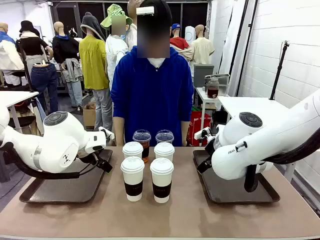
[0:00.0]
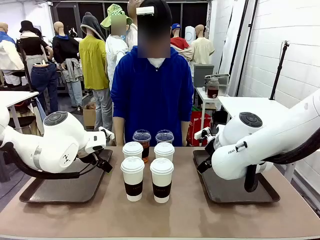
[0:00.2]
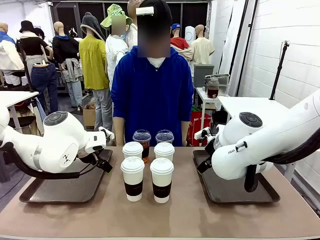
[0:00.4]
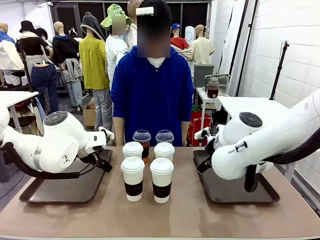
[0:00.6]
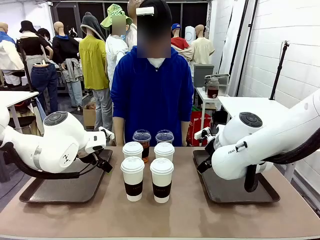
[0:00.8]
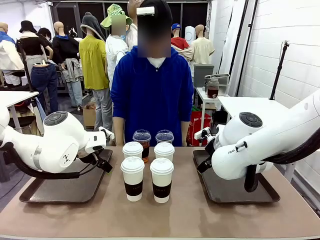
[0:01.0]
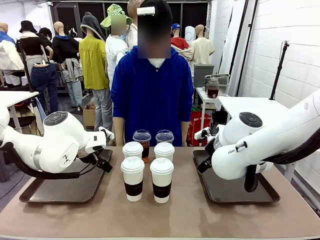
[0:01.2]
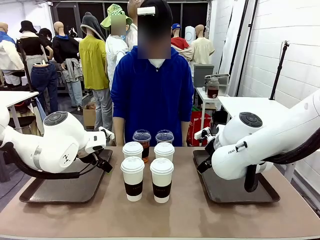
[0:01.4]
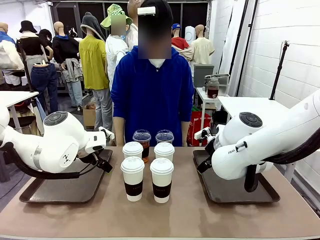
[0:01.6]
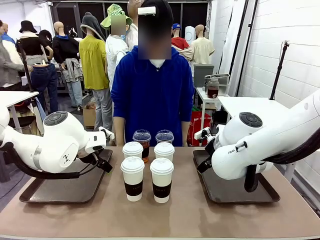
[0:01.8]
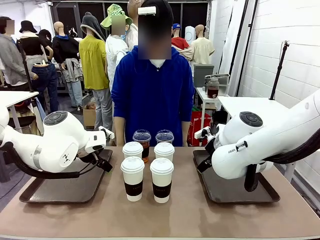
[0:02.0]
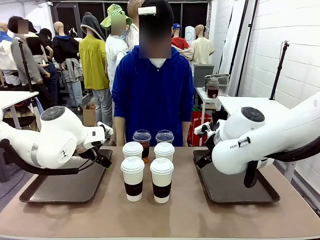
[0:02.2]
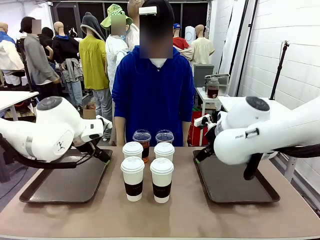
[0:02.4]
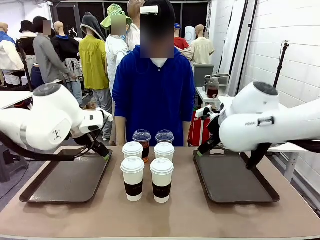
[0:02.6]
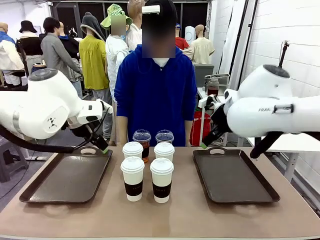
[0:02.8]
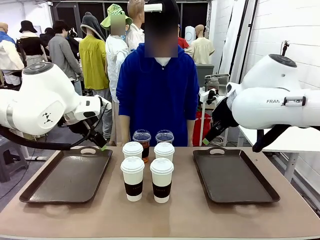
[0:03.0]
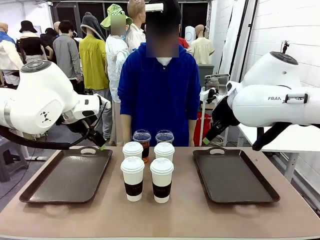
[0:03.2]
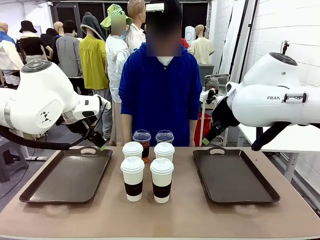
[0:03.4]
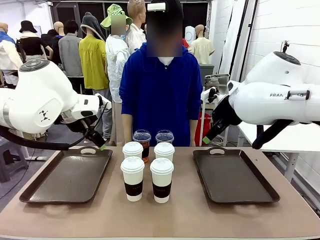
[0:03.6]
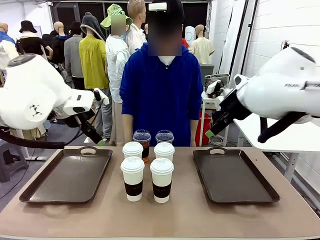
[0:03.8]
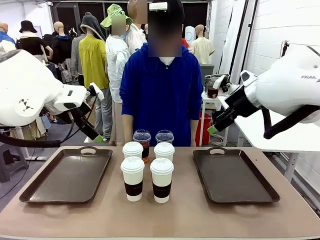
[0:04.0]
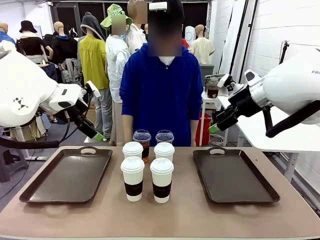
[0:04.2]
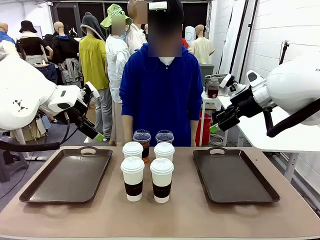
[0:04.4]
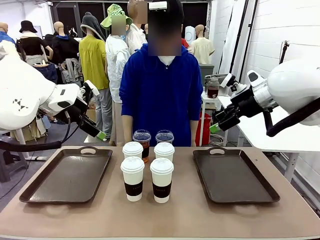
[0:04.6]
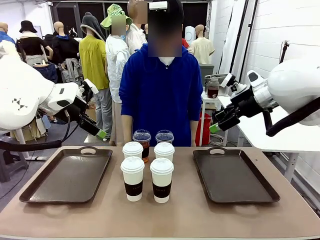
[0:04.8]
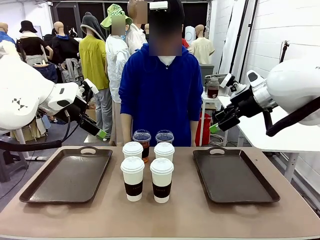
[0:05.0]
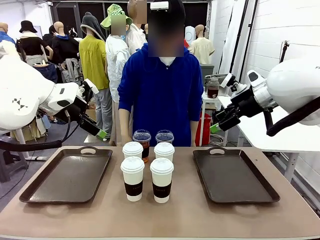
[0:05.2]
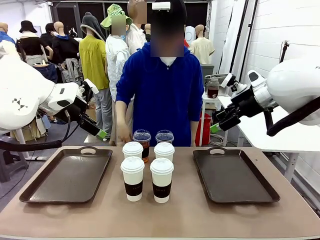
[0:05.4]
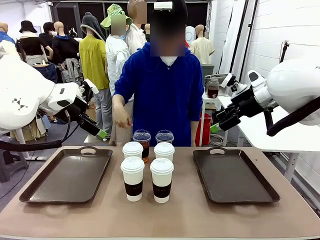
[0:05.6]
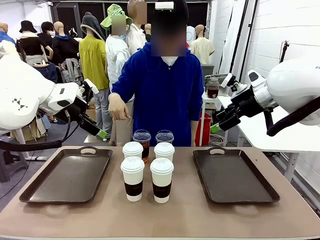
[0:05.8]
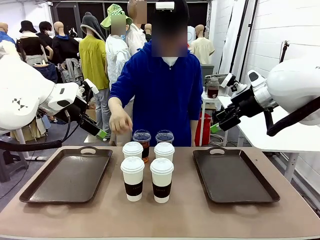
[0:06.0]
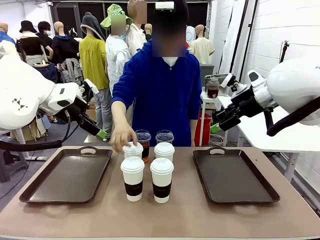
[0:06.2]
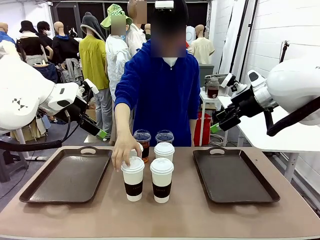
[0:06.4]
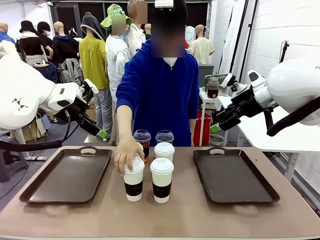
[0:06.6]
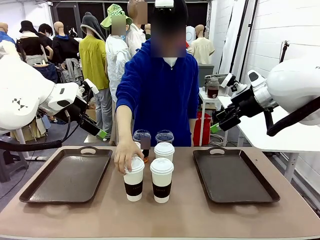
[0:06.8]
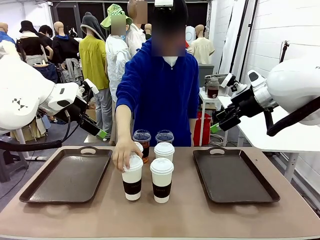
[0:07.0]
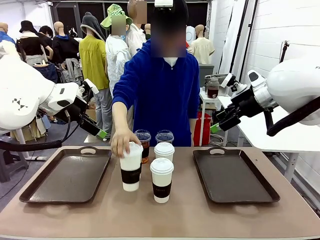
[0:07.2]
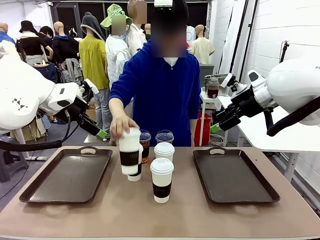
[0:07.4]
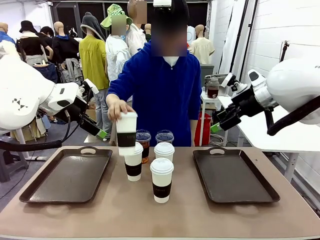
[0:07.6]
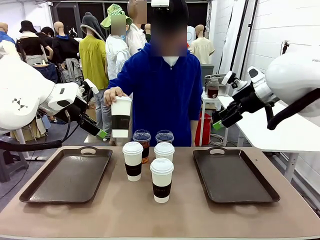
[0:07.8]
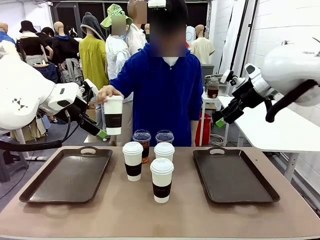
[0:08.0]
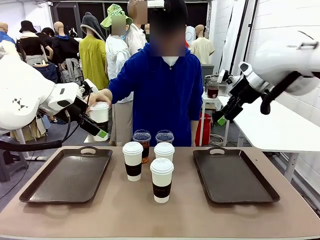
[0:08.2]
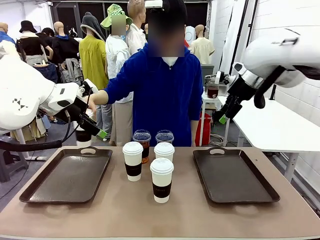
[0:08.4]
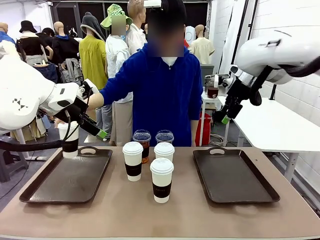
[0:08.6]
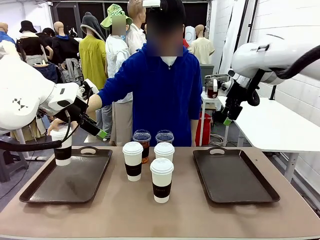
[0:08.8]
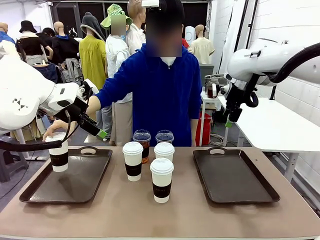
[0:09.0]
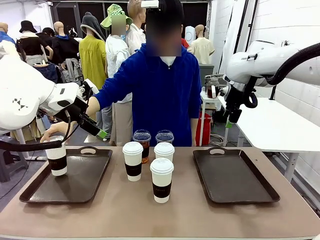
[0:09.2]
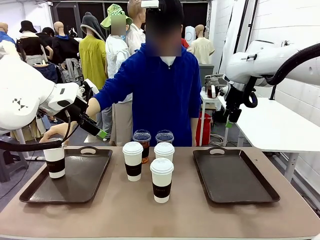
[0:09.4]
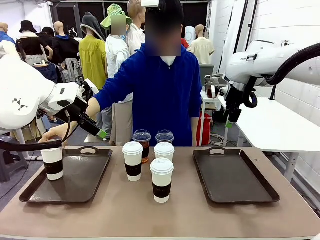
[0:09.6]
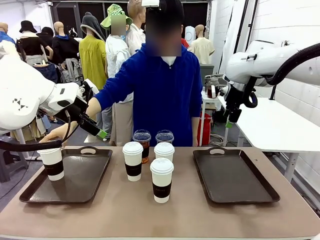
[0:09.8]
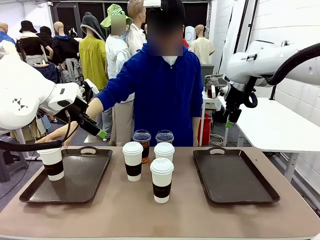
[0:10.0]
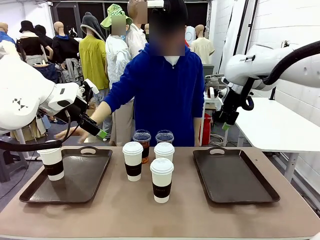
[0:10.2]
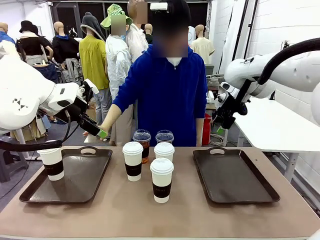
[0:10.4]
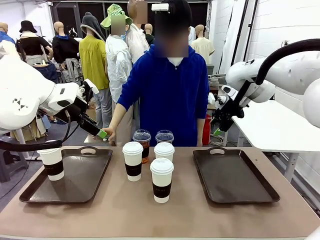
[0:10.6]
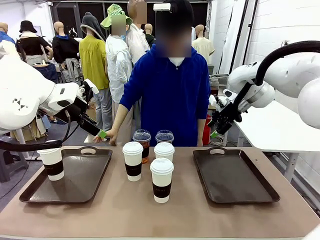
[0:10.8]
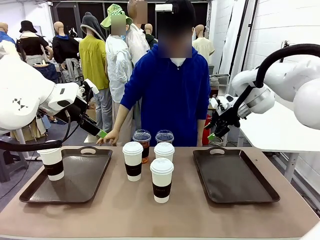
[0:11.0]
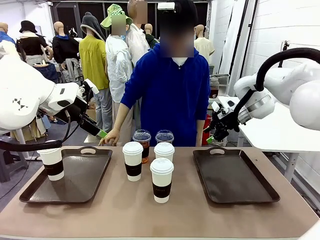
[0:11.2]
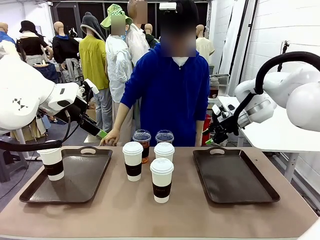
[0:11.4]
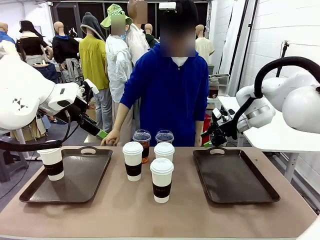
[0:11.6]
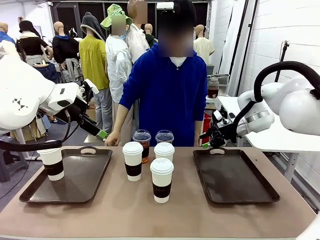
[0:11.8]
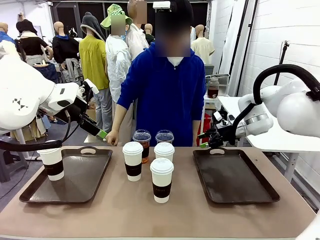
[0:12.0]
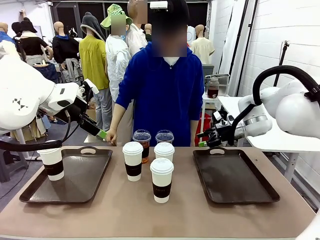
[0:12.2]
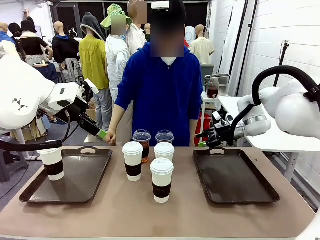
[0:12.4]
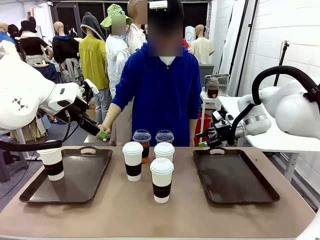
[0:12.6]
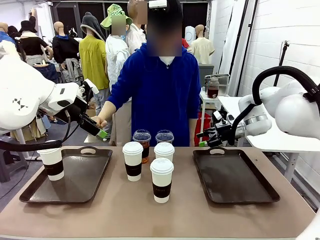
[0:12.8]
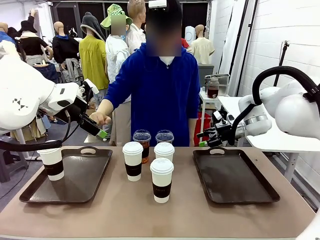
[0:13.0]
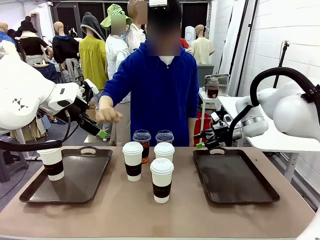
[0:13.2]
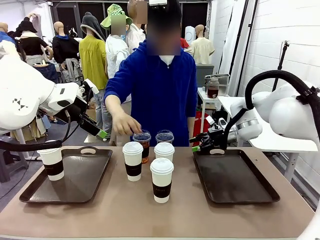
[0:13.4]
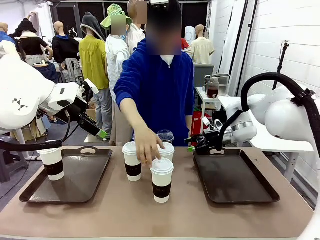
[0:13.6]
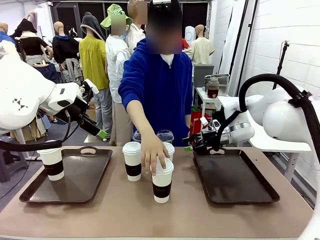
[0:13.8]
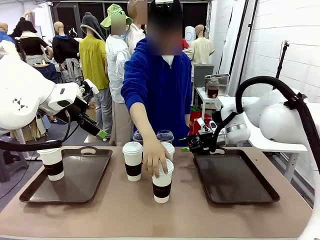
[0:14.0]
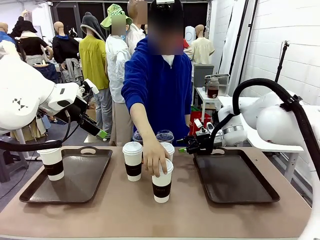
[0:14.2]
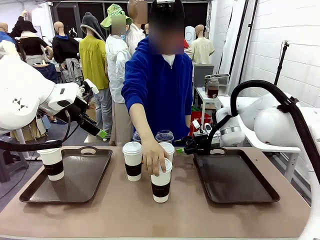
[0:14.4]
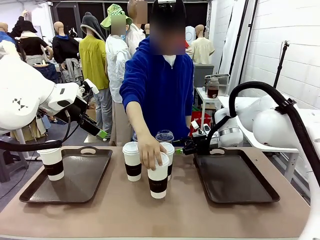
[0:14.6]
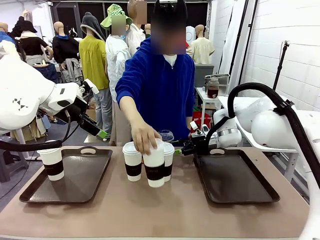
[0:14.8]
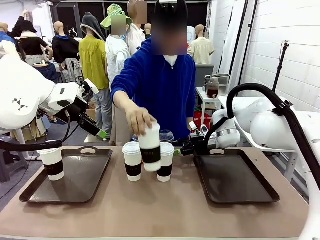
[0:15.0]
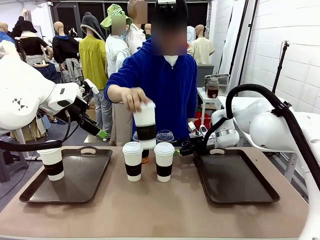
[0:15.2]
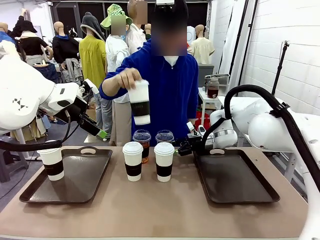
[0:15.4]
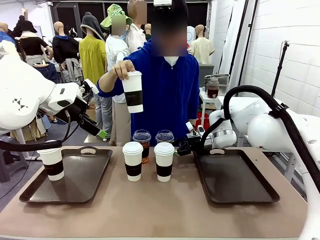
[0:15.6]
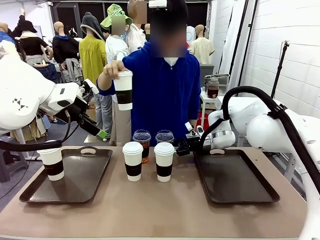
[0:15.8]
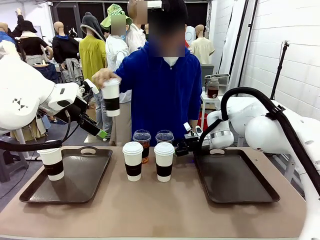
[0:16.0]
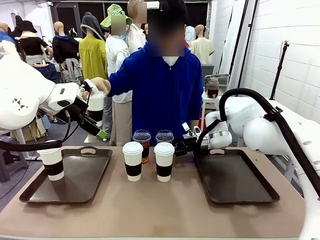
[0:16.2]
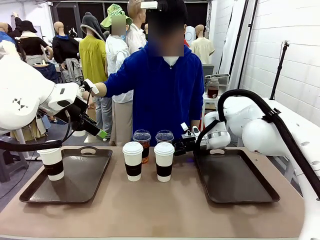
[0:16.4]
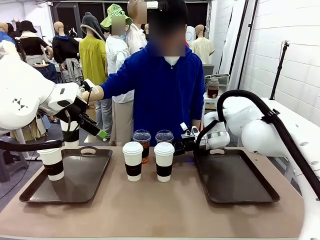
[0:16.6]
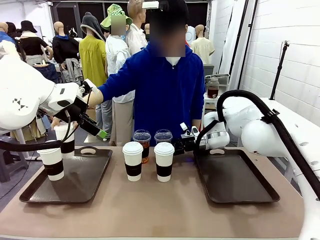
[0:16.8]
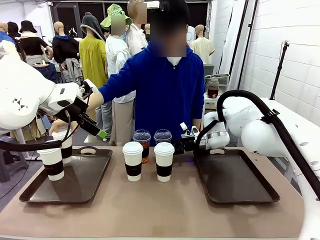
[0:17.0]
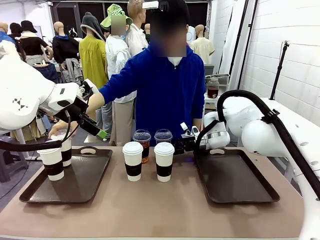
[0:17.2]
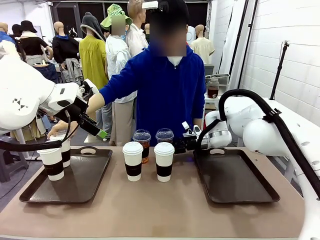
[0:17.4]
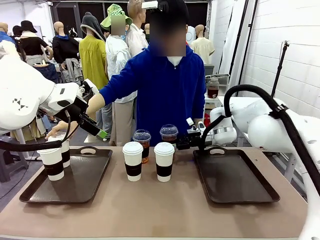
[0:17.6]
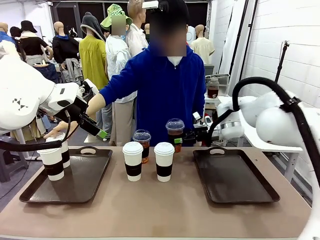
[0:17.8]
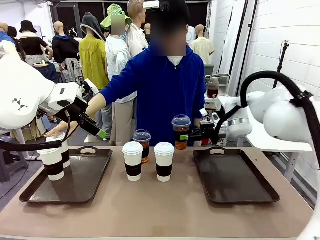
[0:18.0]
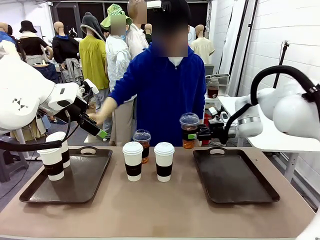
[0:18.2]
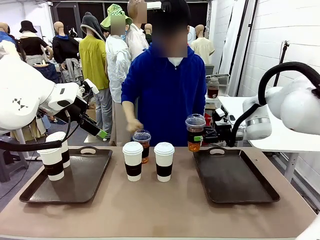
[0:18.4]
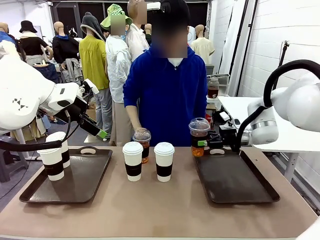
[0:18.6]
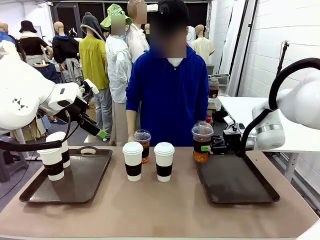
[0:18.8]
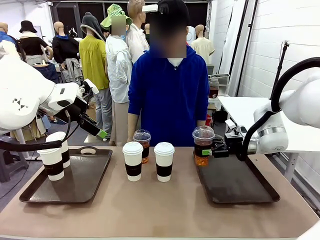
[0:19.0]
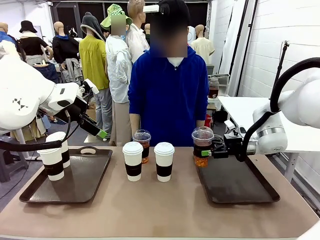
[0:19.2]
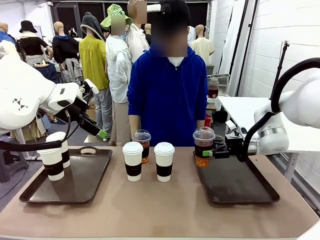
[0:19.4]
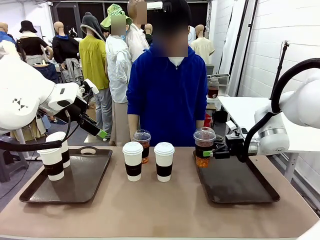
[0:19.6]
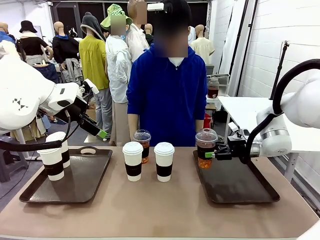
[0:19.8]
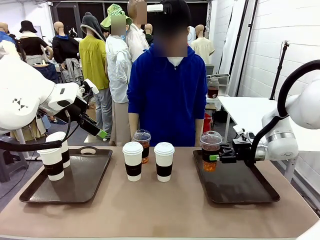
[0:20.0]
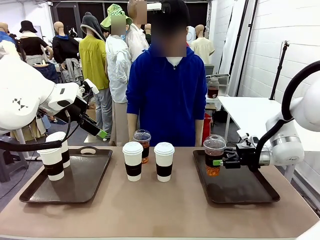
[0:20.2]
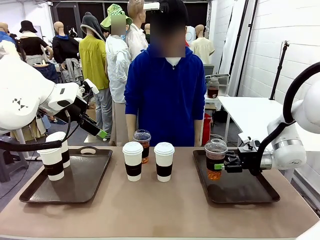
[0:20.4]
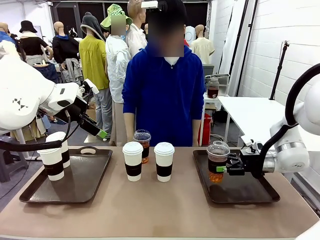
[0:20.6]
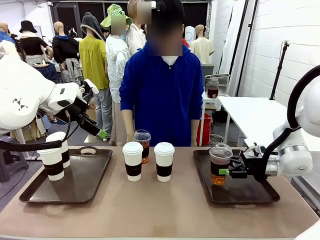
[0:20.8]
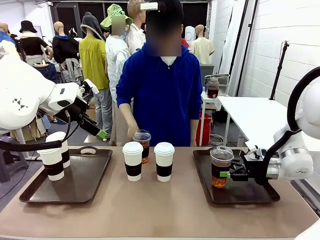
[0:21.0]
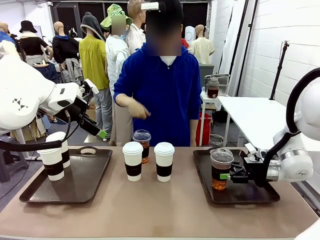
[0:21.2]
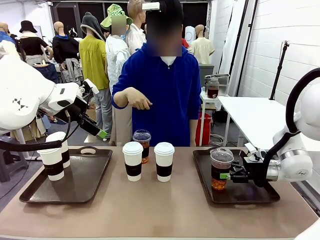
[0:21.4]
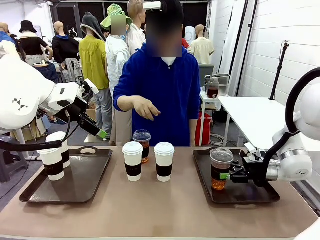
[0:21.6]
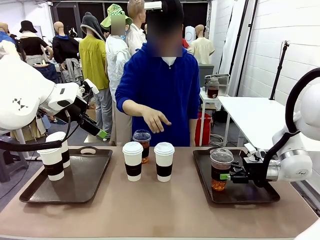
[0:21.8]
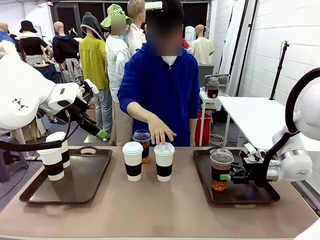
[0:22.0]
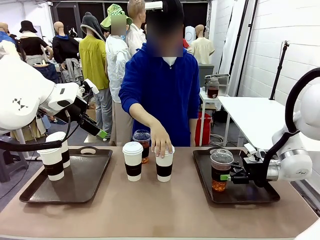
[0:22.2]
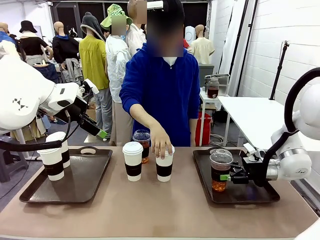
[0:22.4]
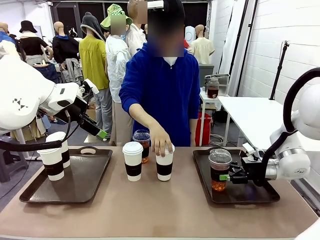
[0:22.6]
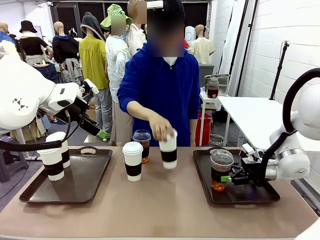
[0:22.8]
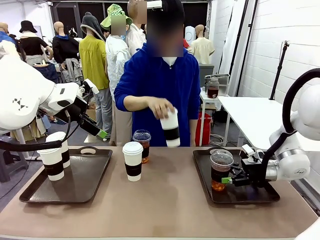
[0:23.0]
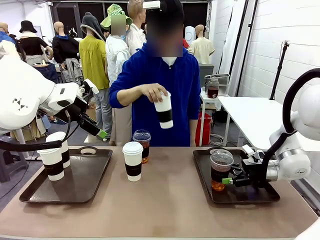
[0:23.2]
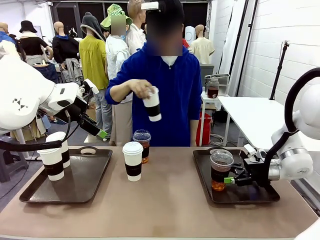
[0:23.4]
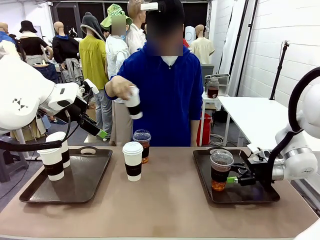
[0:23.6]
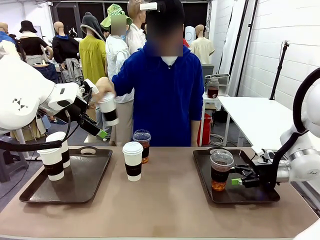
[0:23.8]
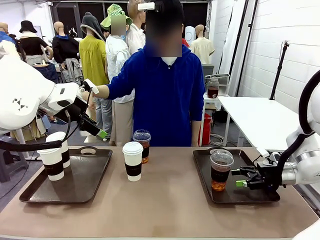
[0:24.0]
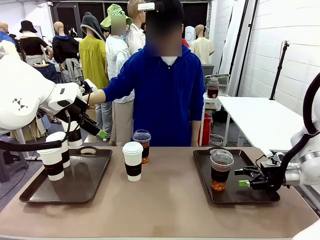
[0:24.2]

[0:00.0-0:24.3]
Task: Distribute the coffee onto the tray.
Robot: Pick up one iced Americano and place it on the right Handle tray.
Person: Pick up a cup of hot Americano and place it on the right tray.
